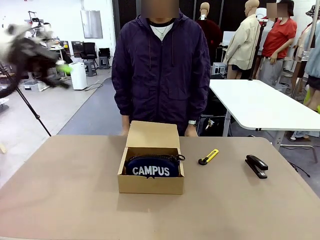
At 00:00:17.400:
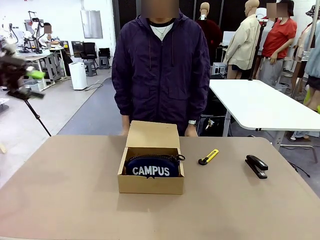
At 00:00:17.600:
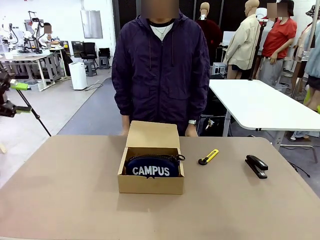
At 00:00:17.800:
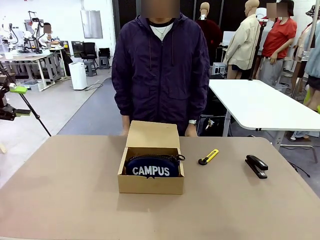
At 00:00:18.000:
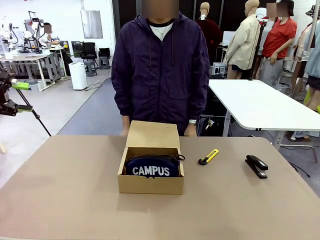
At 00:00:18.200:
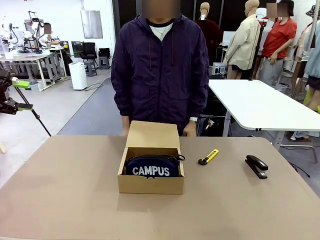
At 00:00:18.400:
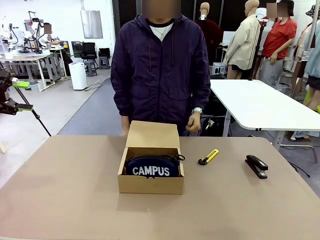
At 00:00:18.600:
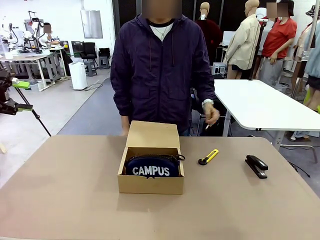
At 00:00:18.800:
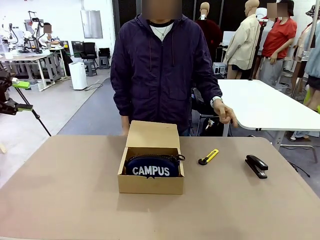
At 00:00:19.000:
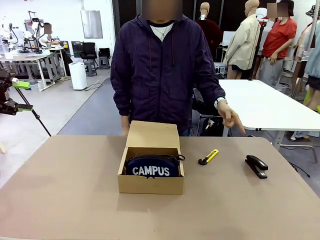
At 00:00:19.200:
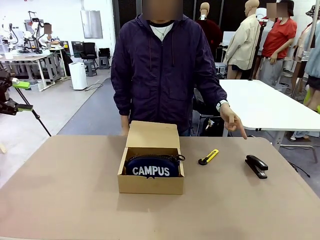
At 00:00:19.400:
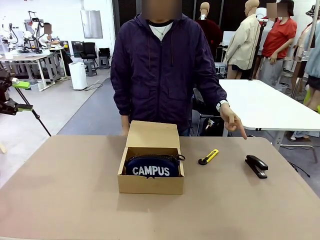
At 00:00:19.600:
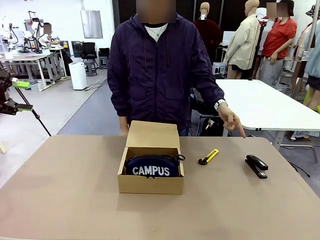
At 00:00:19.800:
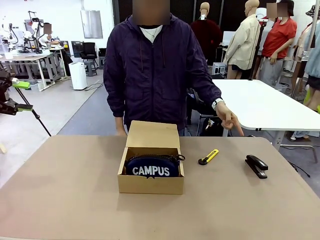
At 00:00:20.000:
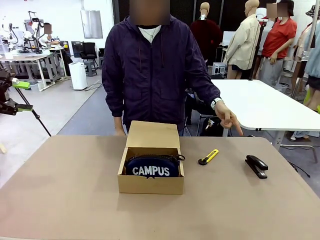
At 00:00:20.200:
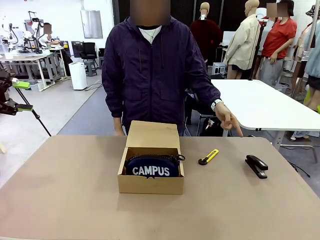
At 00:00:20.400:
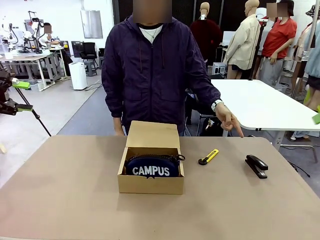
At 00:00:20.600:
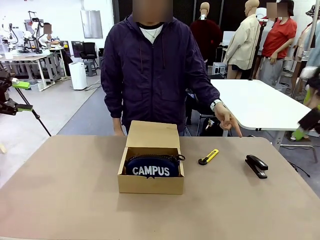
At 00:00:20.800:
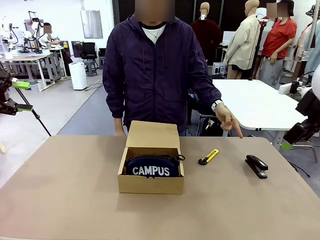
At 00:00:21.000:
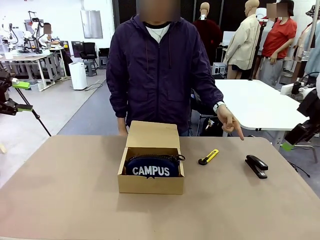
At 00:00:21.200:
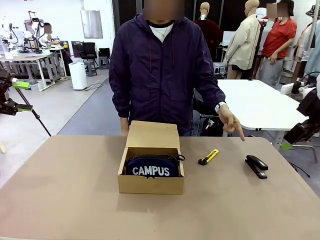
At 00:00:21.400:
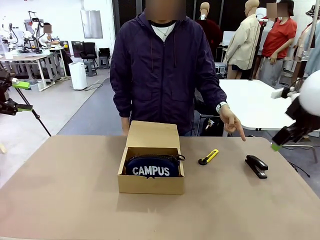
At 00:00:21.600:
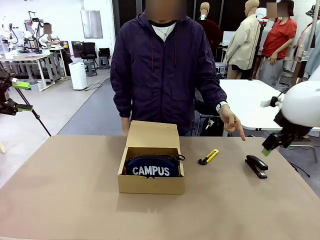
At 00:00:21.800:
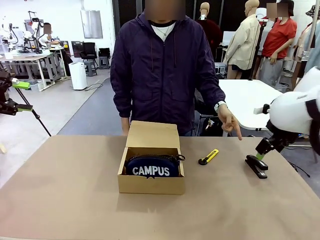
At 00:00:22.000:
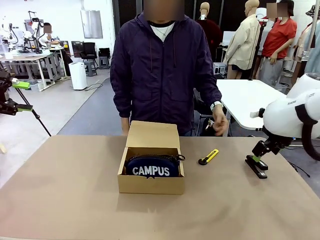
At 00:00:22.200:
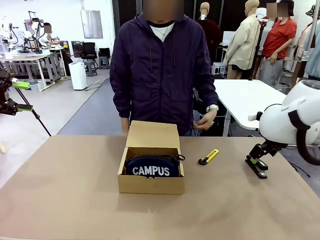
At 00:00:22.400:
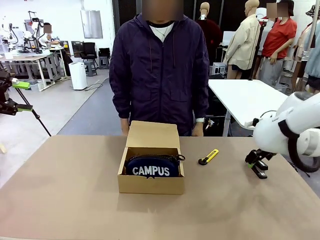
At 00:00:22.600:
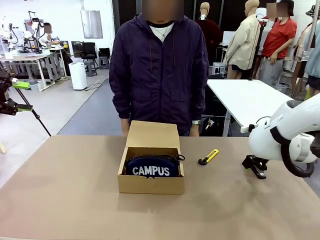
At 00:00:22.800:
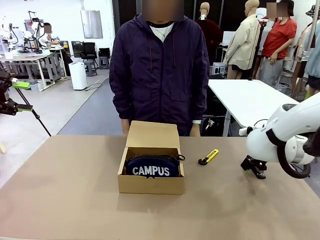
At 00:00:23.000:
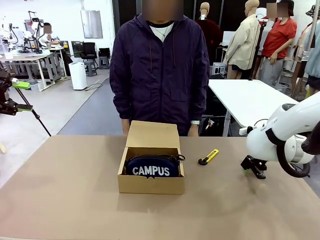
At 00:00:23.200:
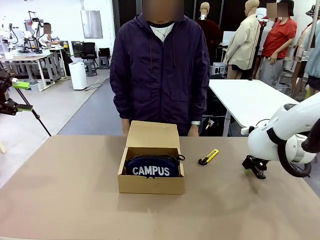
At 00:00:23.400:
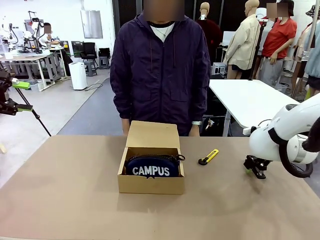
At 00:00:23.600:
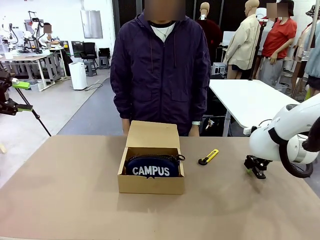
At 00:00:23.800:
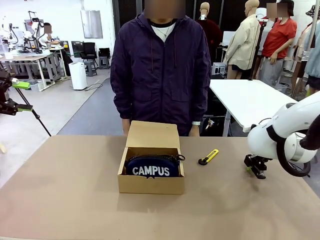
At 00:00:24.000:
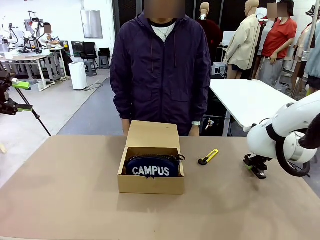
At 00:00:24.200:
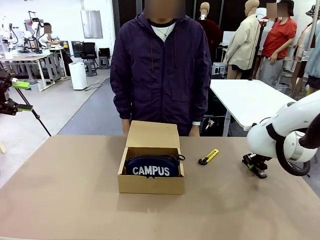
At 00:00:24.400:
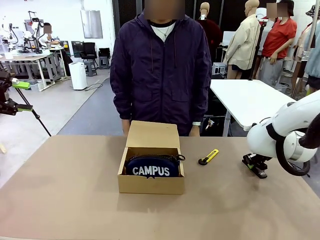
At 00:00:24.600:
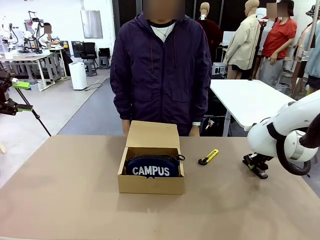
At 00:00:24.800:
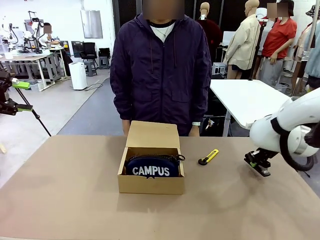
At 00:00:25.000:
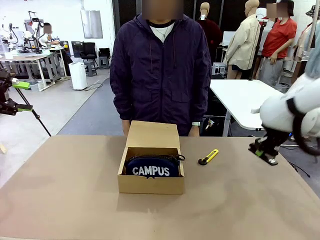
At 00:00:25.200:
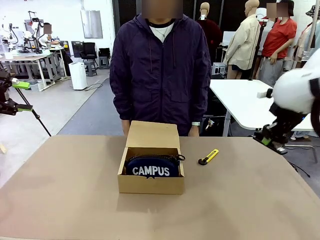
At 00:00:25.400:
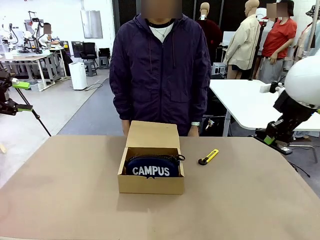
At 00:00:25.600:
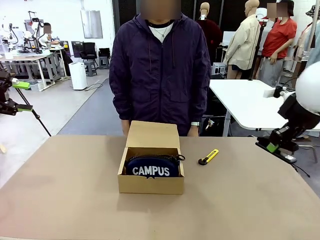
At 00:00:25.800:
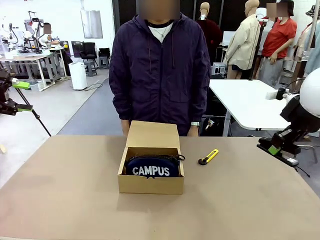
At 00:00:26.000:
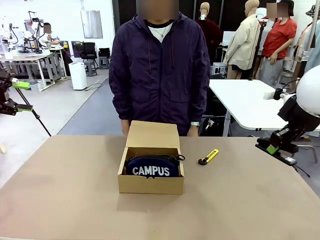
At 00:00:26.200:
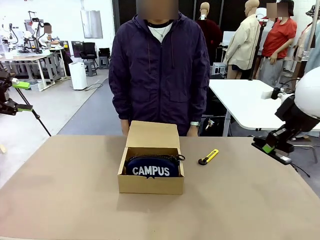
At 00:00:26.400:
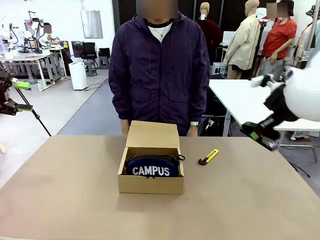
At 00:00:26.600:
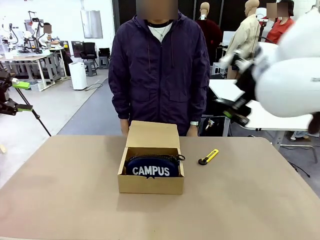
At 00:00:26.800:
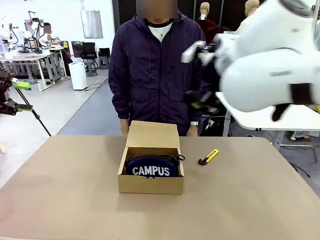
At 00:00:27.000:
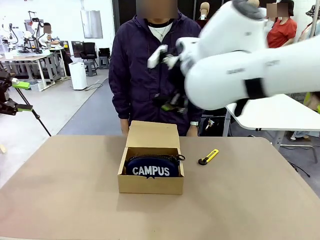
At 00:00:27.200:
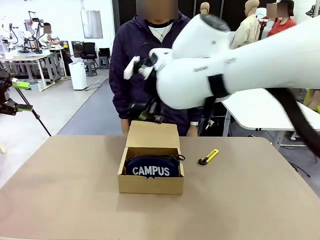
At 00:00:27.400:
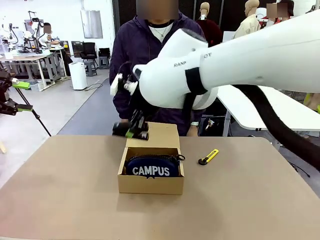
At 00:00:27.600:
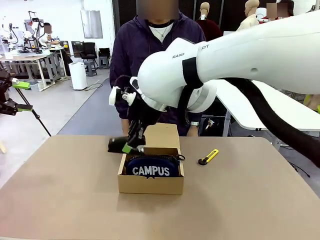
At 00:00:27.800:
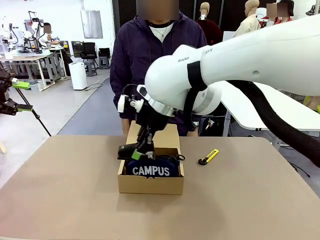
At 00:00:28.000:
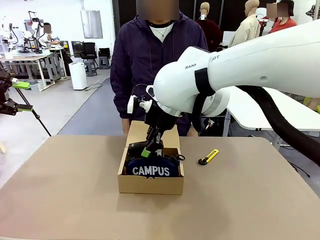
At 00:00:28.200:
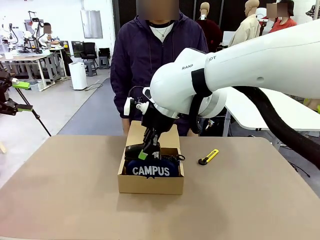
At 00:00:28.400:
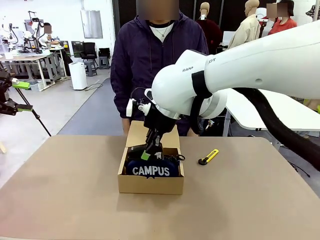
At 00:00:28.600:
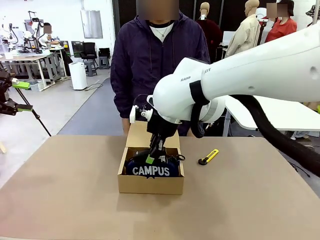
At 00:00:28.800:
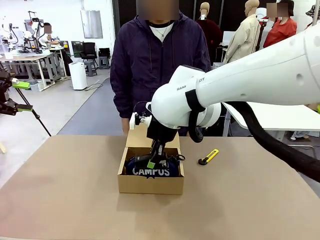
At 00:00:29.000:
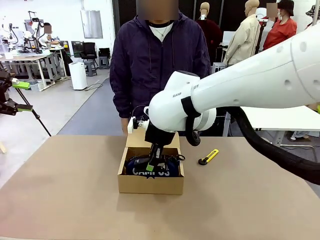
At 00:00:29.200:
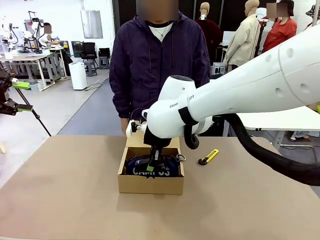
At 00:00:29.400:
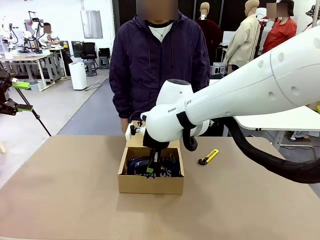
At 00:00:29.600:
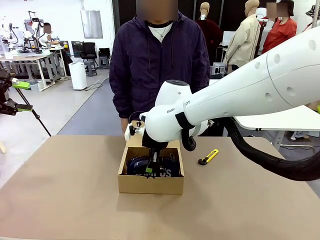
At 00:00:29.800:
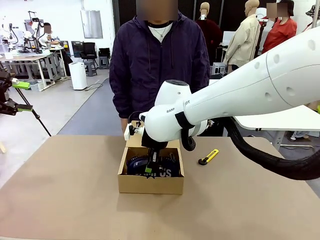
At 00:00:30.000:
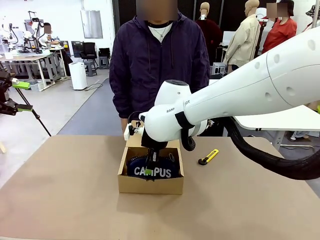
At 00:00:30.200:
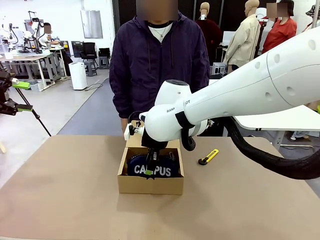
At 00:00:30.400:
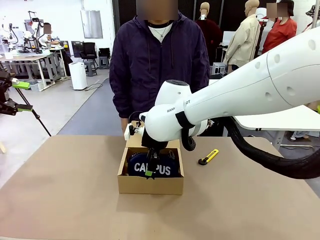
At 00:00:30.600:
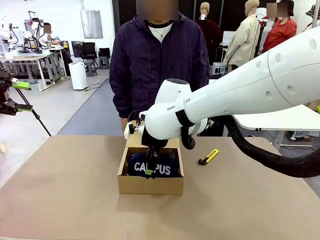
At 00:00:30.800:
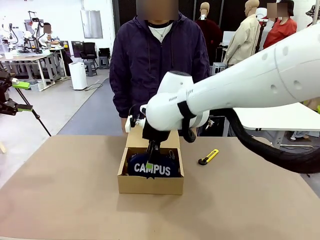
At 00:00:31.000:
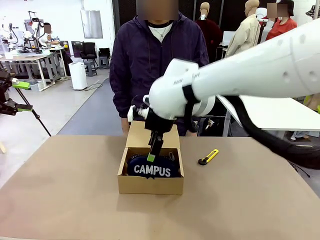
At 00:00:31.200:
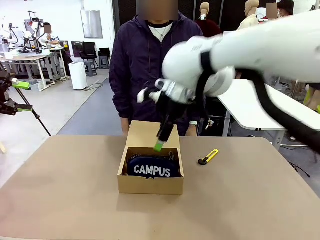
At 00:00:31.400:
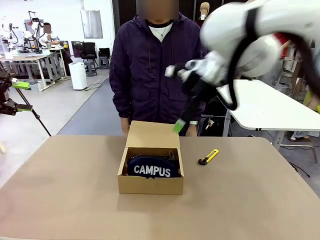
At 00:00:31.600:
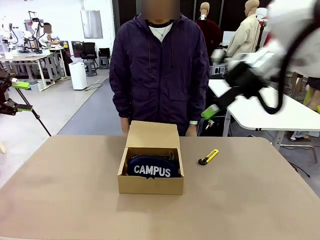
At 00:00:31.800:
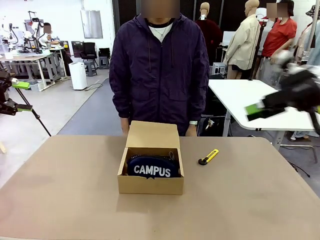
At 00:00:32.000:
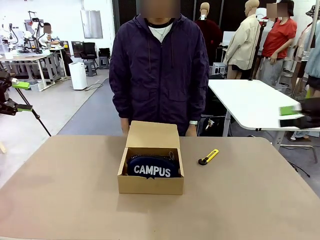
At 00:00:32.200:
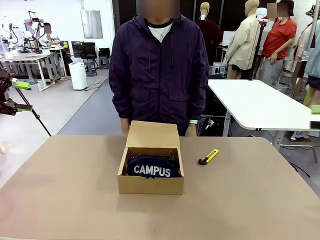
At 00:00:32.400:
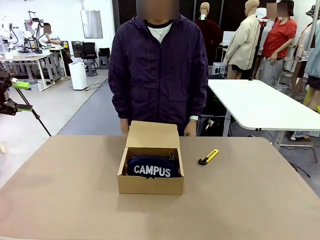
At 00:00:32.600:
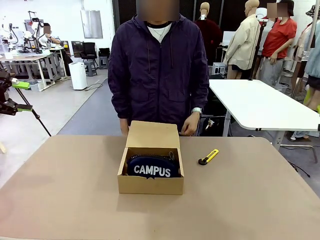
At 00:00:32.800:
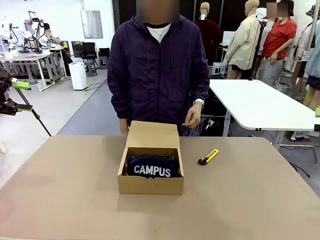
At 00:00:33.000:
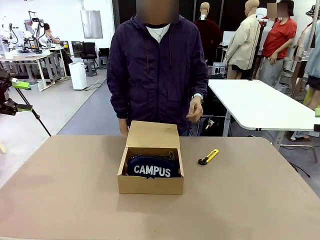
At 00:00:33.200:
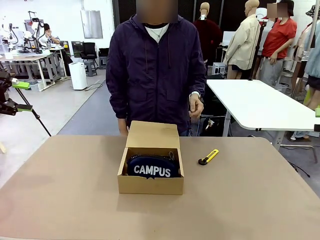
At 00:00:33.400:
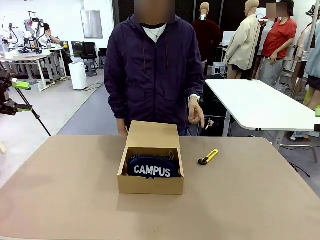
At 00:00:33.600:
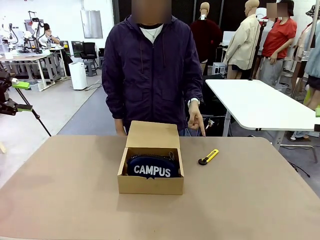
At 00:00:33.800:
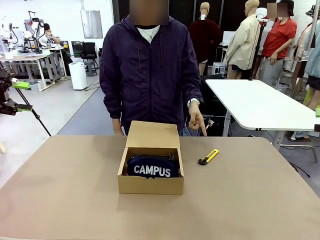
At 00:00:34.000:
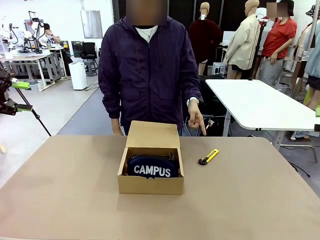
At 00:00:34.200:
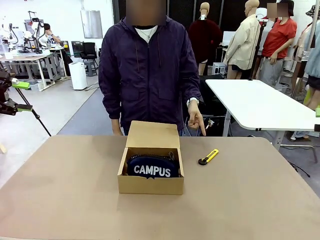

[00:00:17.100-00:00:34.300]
Task: Pack the items into the box.
Robot: Pick up the item indicated by the person and place it inside the Mailer Box.
Person: Point at one item on the table (excluding the box).
